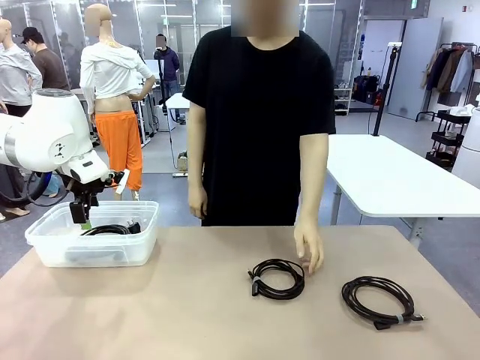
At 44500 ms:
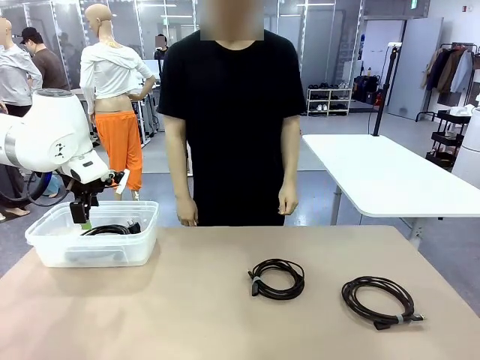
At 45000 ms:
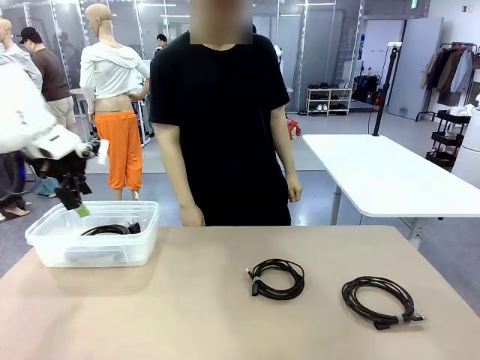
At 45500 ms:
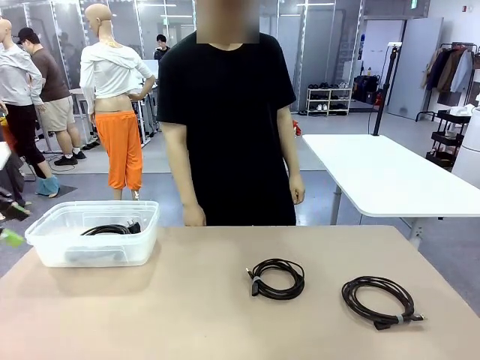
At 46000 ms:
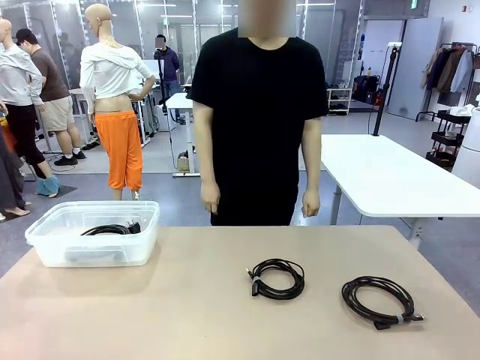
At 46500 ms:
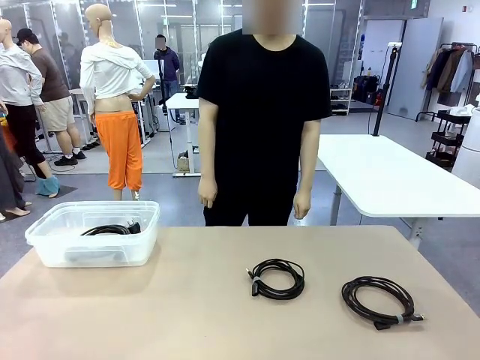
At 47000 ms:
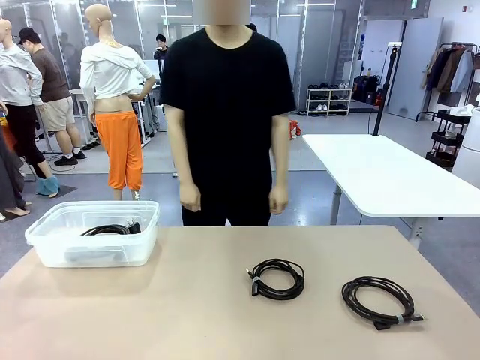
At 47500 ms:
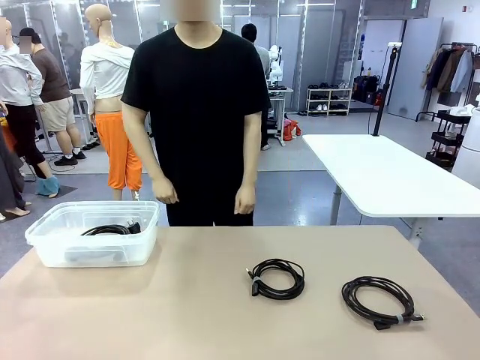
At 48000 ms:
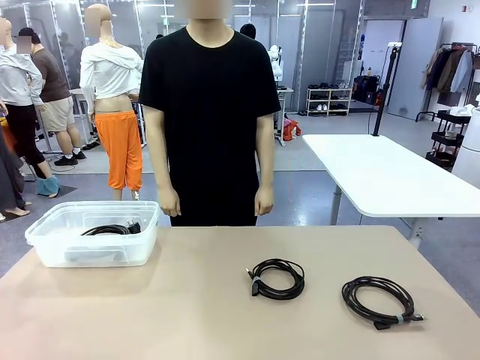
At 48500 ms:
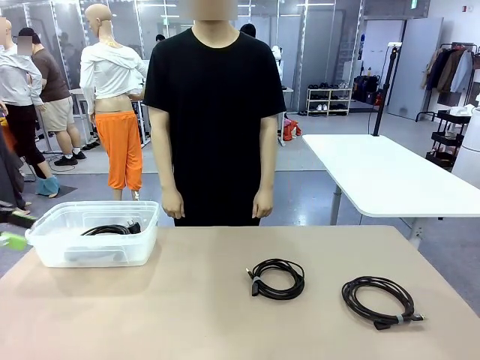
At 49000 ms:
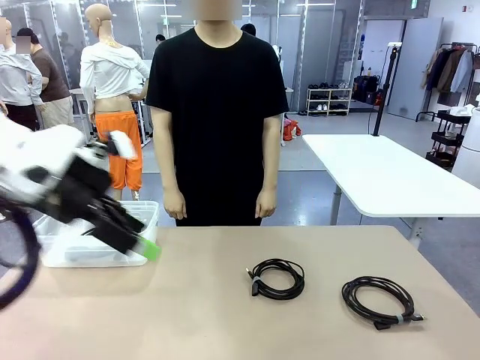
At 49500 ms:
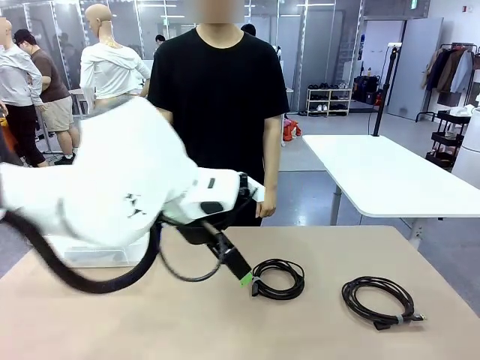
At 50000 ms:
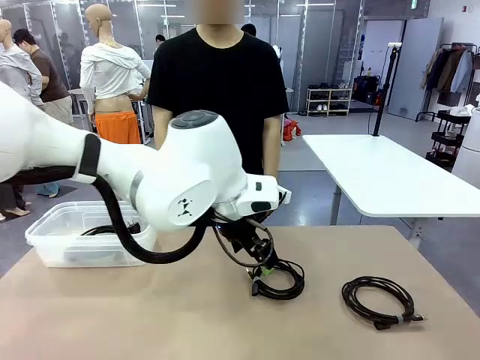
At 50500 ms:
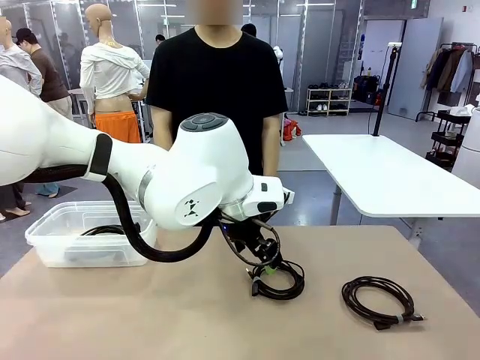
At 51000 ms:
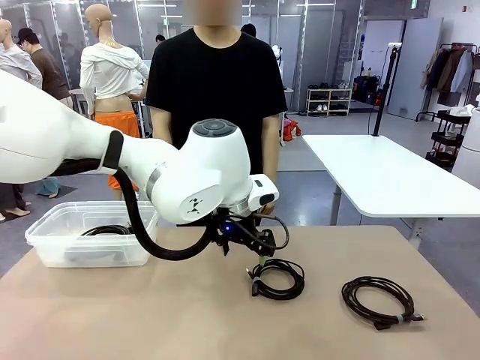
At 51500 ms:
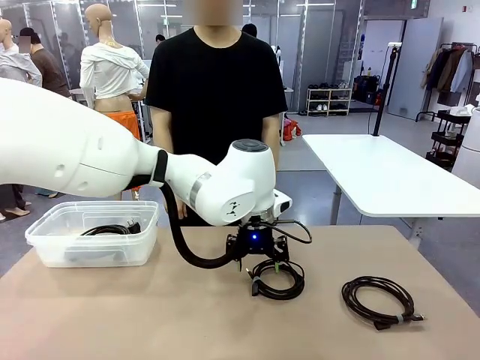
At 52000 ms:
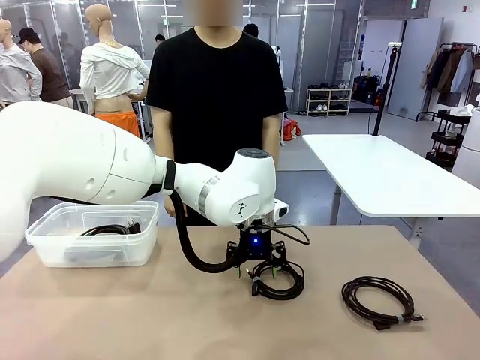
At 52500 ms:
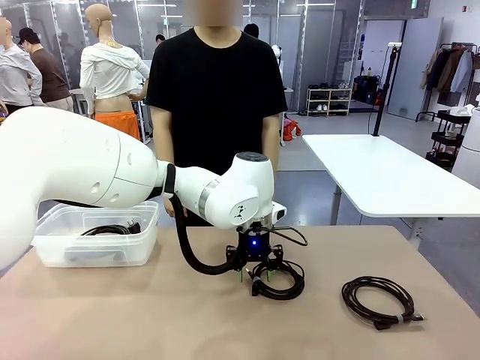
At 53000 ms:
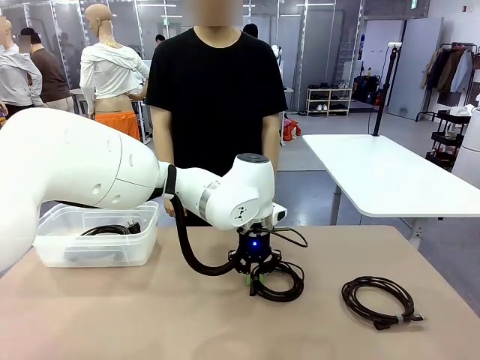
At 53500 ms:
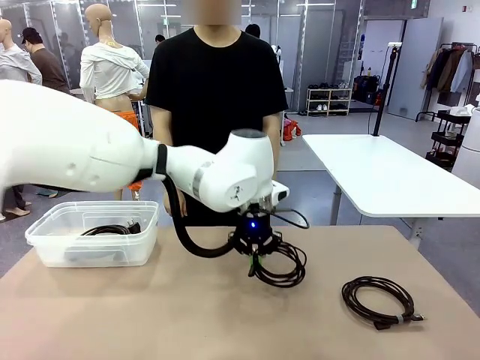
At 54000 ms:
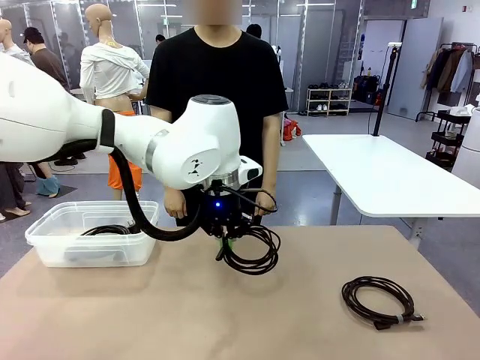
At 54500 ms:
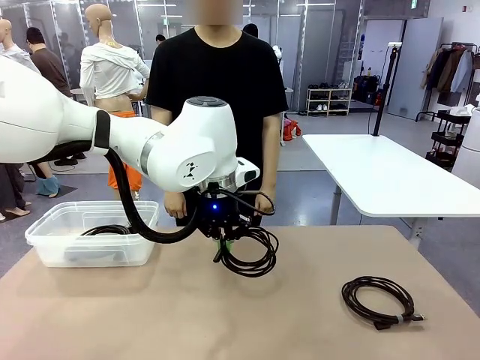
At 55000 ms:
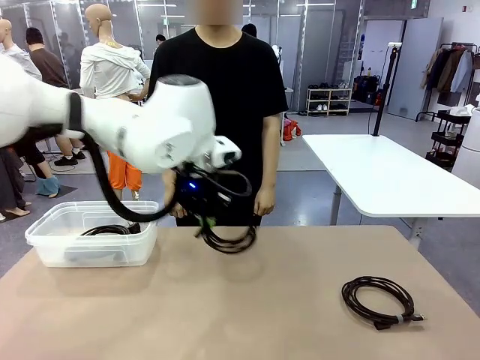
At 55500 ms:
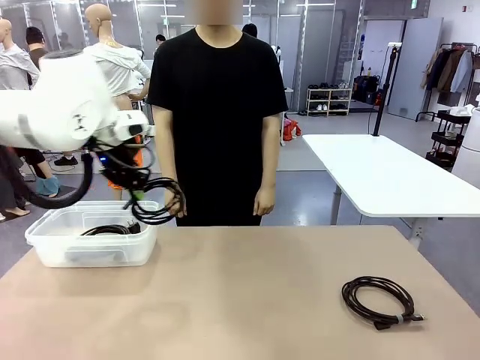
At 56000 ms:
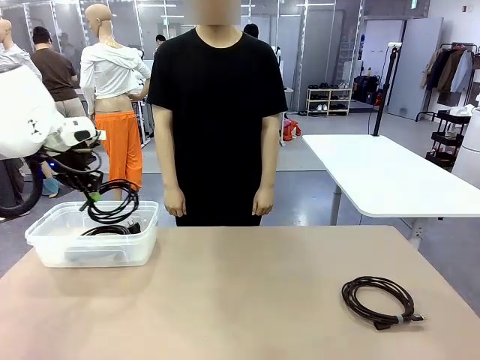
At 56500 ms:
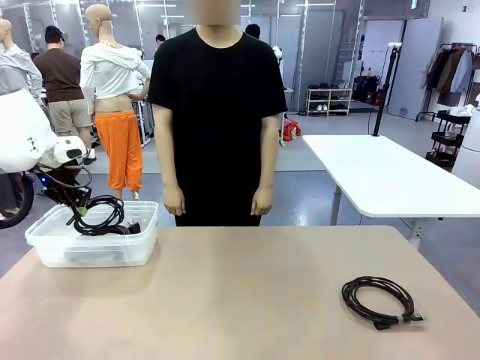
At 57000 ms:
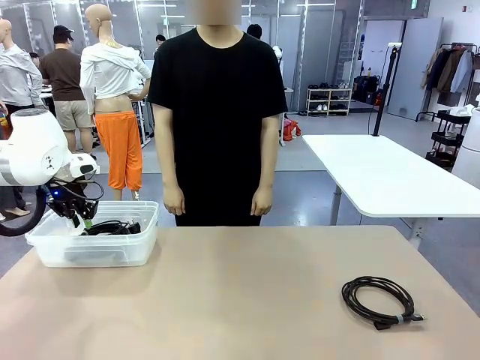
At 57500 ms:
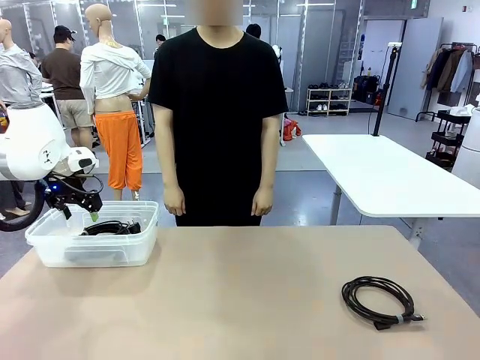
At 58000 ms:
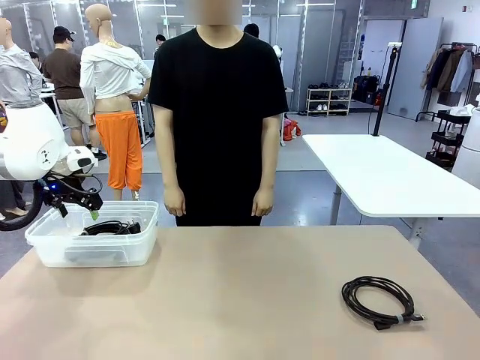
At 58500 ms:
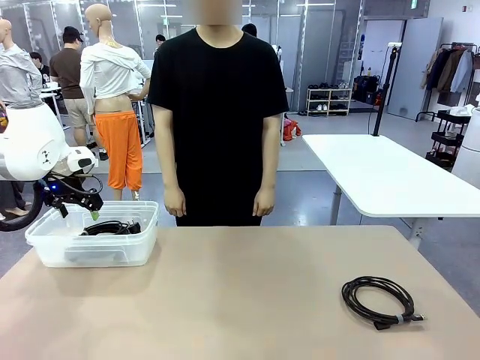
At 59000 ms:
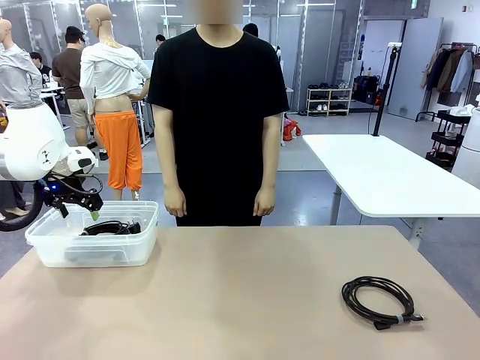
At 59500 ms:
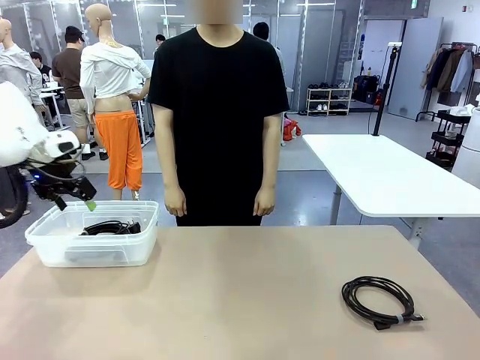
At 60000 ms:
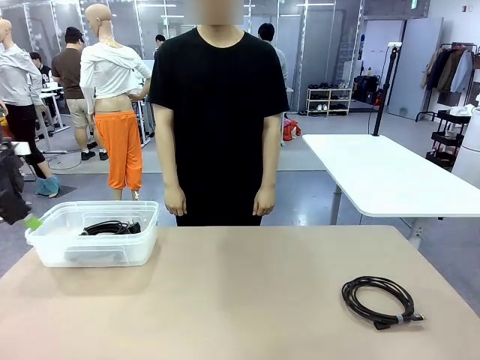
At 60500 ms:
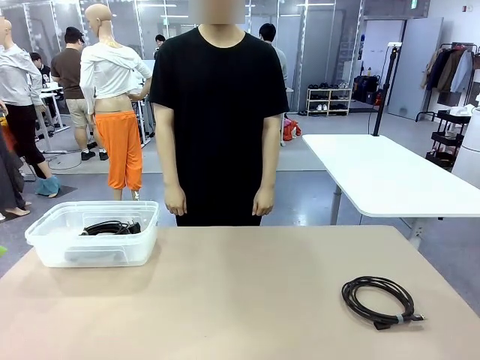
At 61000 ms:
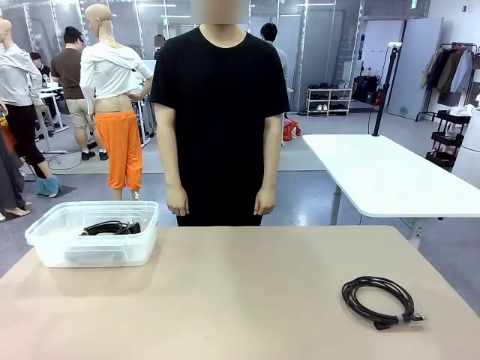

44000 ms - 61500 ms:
Task: Organize and store the cables.
Robot: Place the USB Extension Cable into the Organizing box.

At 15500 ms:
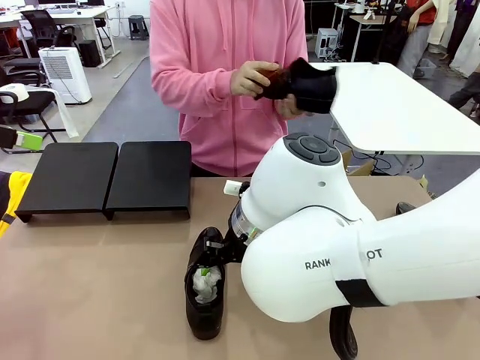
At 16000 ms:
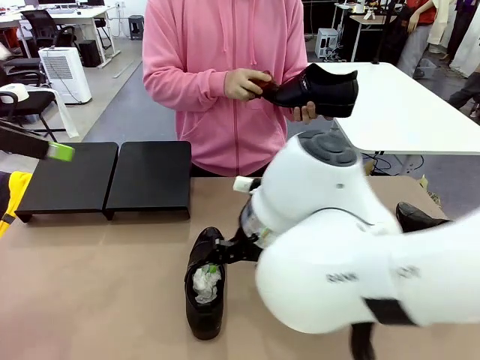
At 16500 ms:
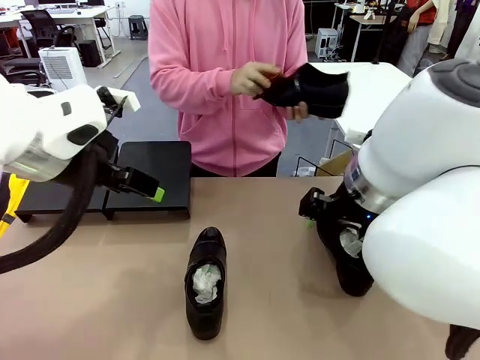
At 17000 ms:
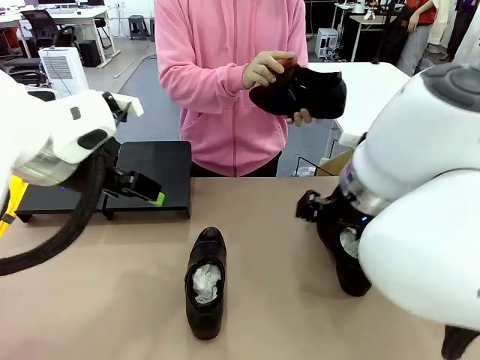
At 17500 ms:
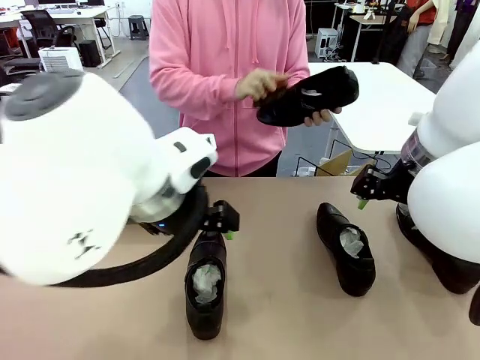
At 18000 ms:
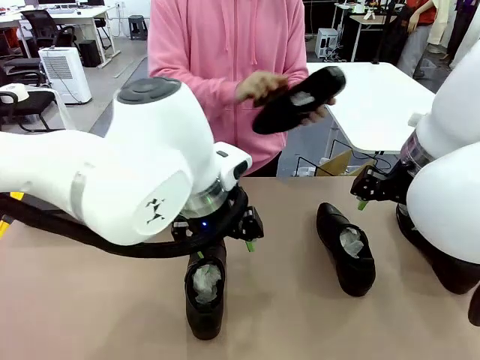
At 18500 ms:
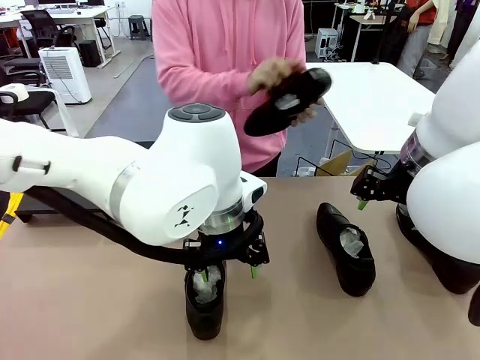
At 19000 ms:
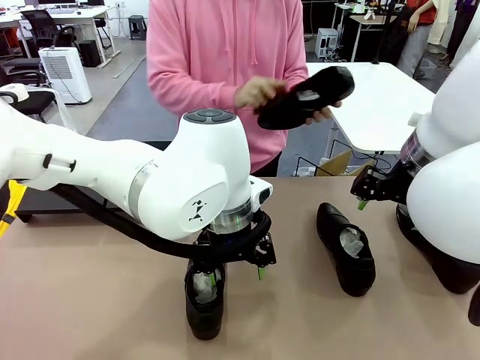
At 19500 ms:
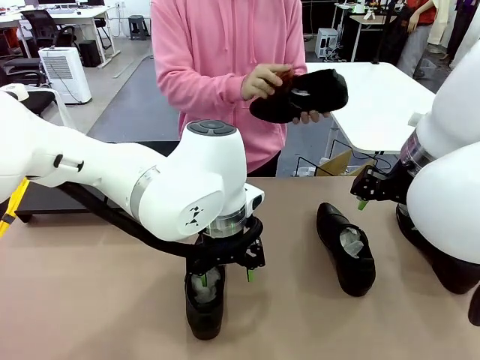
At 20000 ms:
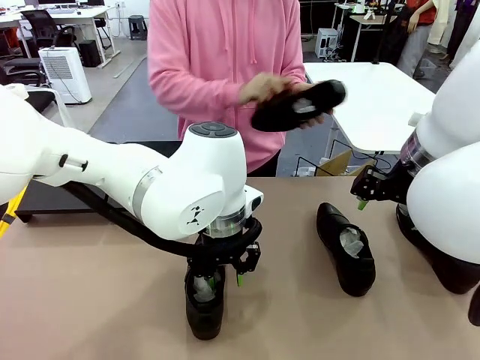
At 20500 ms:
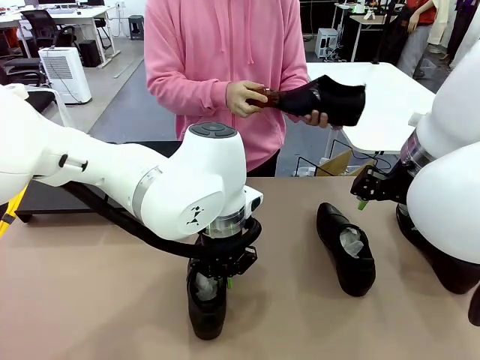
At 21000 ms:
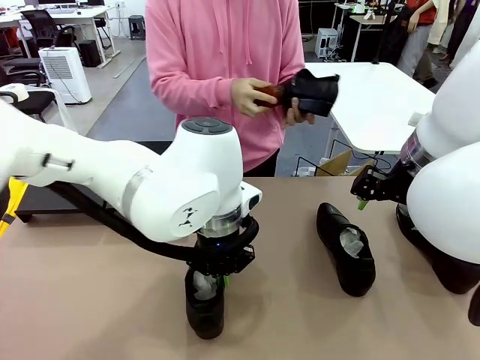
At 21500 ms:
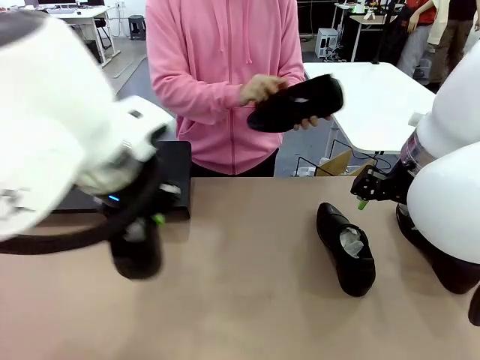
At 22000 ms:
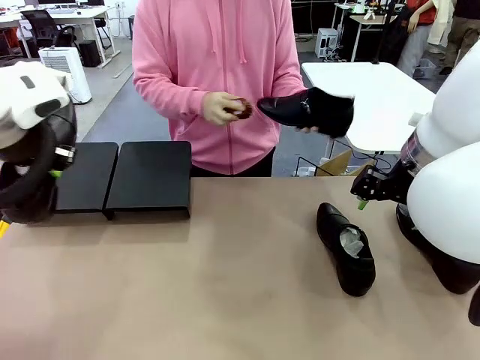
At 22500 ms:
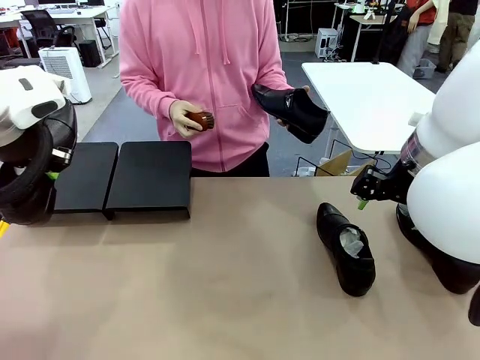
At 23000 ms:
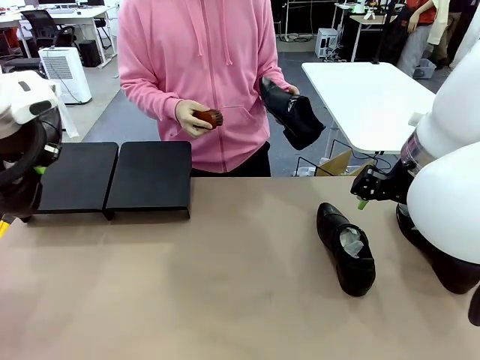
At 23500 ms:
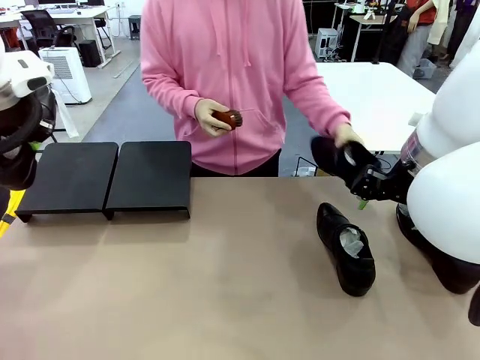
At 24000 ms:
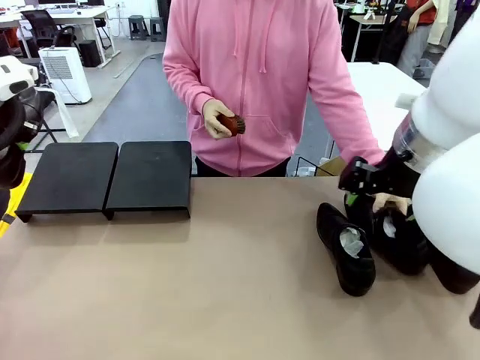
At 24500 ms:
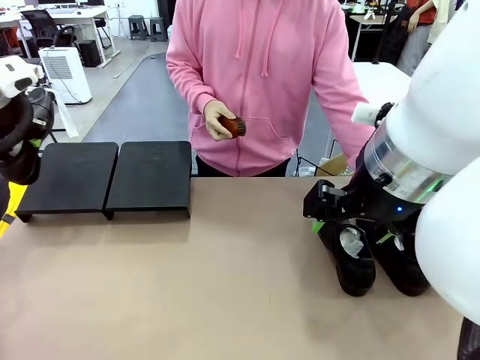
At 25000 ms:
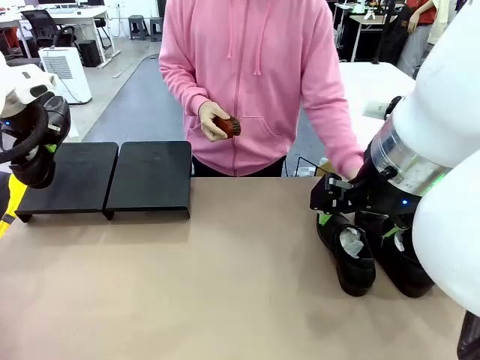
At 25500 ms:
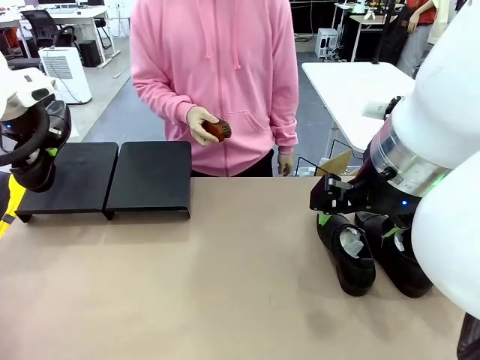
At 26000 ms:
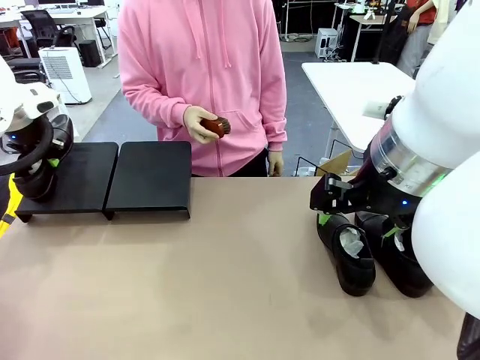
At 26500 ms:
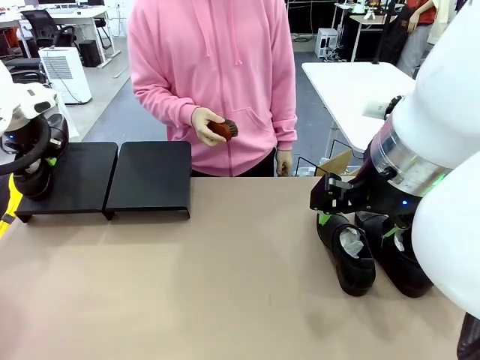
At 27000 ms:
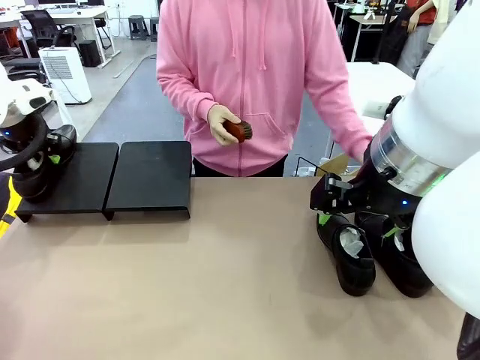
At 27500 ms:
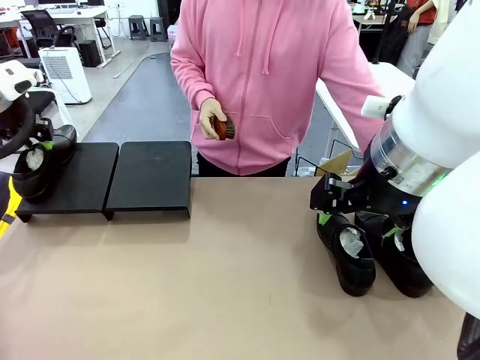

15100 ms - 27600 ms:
Task: Organize the shoes by placing them on the stand.
Robot: Place the Shoe from the middle of the table onto the Shoes Stand.
Person: Place the Shoe on left side of the Robot's table. Pick one Shoe on Robot's table.
